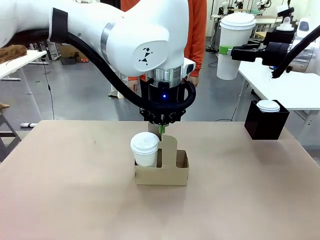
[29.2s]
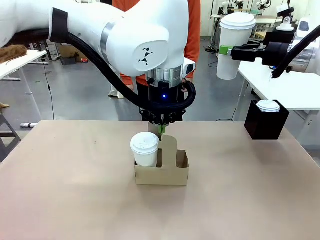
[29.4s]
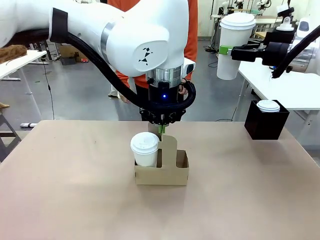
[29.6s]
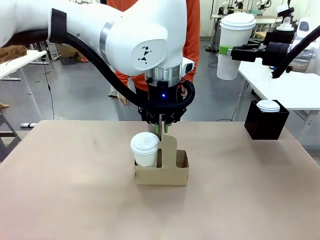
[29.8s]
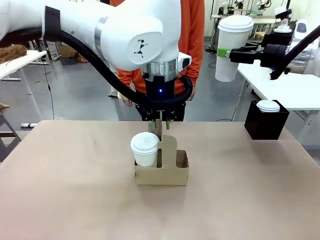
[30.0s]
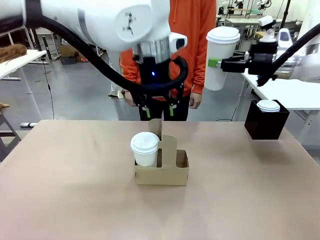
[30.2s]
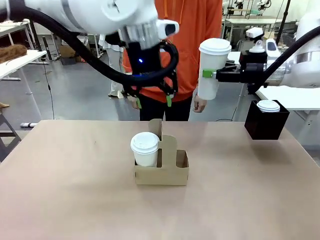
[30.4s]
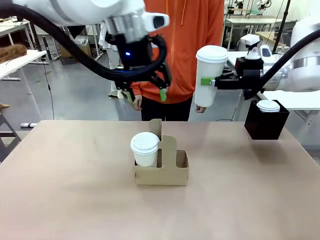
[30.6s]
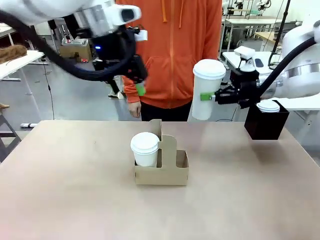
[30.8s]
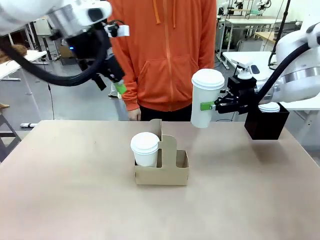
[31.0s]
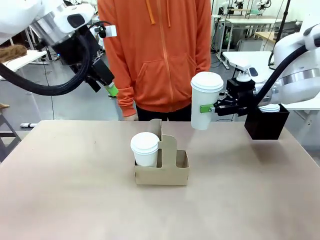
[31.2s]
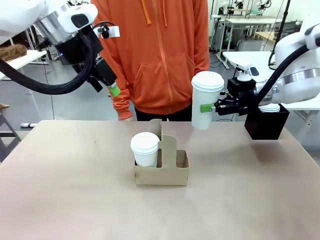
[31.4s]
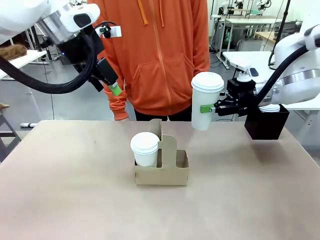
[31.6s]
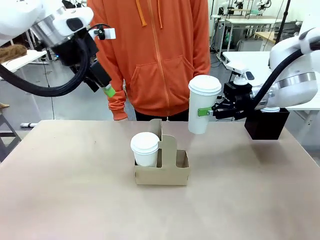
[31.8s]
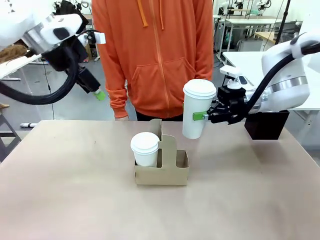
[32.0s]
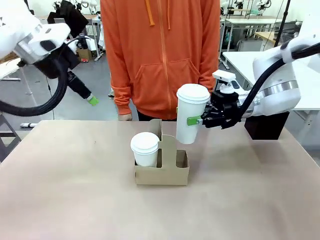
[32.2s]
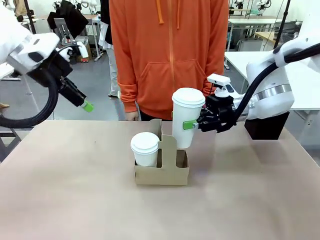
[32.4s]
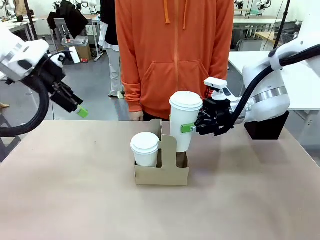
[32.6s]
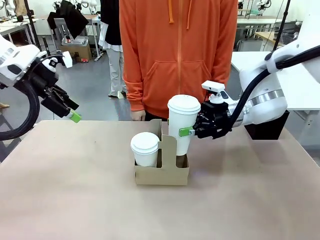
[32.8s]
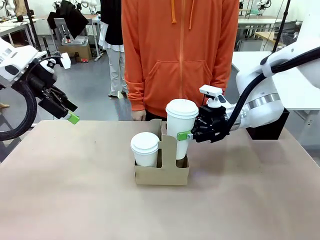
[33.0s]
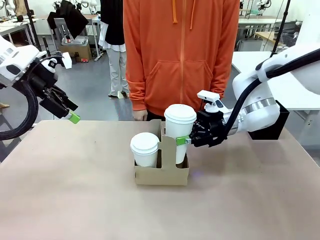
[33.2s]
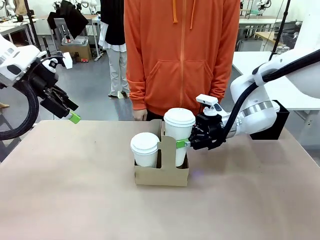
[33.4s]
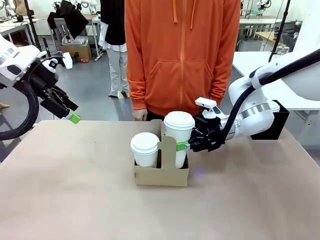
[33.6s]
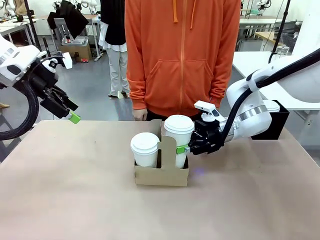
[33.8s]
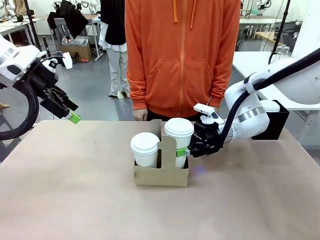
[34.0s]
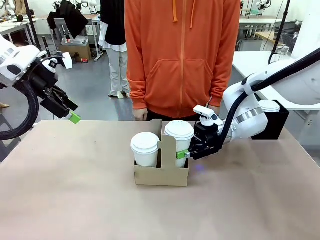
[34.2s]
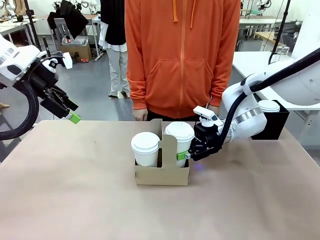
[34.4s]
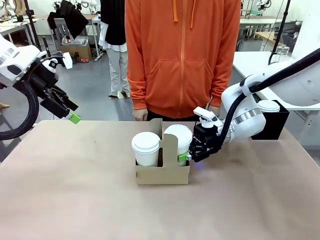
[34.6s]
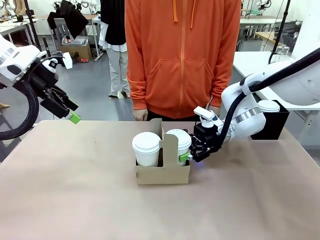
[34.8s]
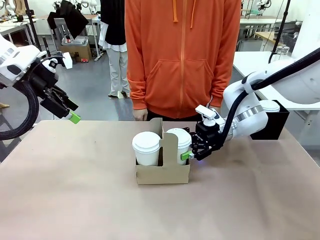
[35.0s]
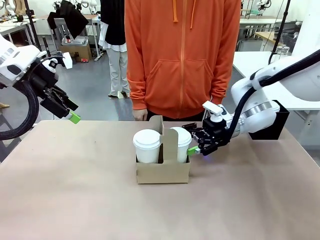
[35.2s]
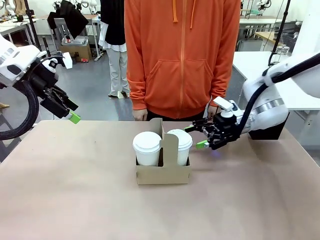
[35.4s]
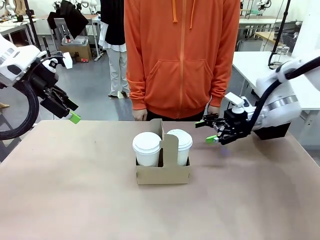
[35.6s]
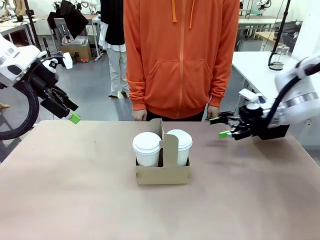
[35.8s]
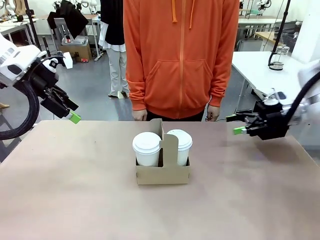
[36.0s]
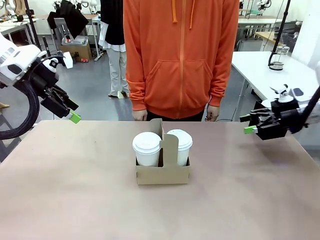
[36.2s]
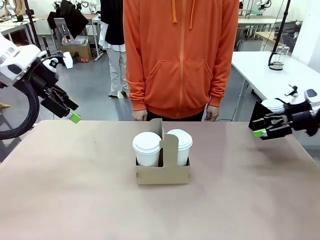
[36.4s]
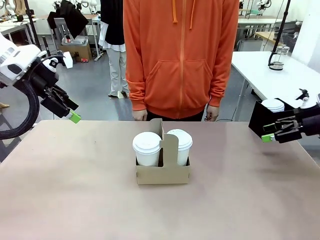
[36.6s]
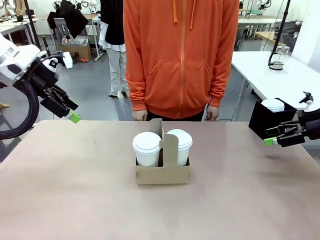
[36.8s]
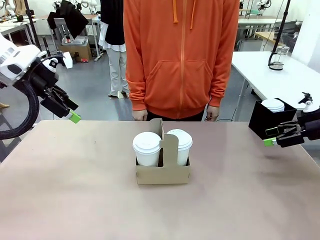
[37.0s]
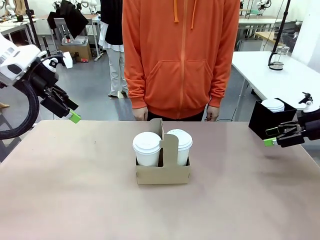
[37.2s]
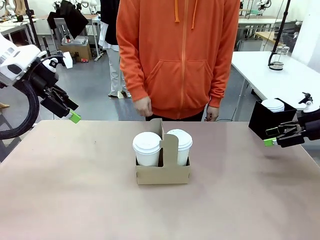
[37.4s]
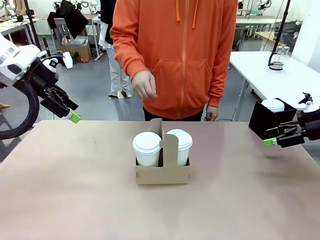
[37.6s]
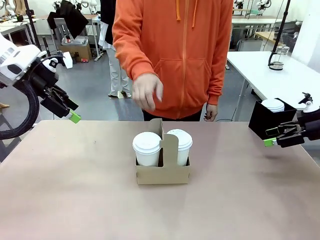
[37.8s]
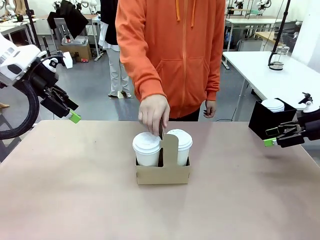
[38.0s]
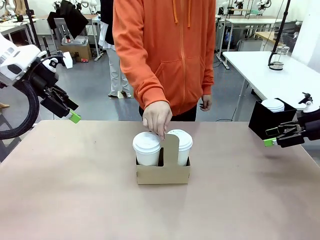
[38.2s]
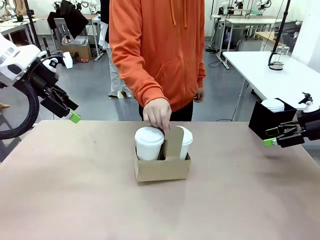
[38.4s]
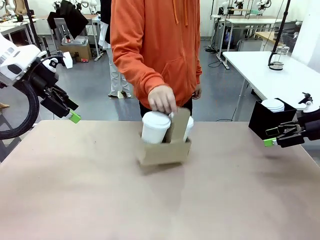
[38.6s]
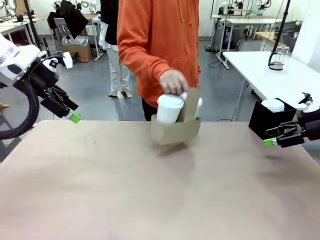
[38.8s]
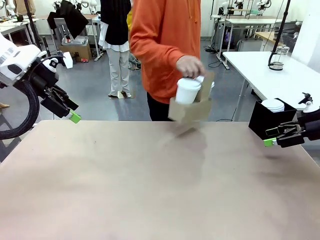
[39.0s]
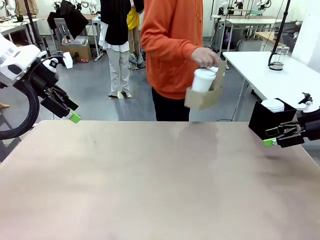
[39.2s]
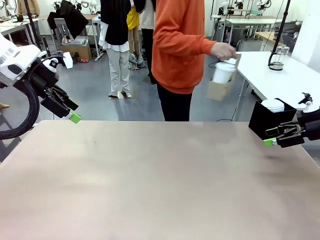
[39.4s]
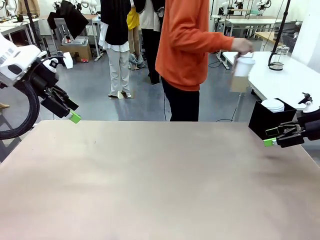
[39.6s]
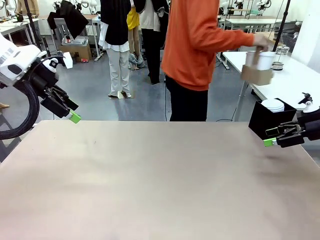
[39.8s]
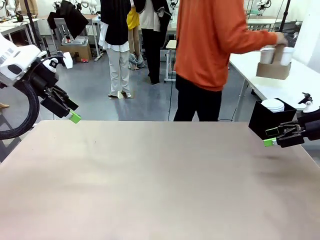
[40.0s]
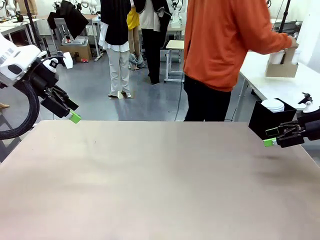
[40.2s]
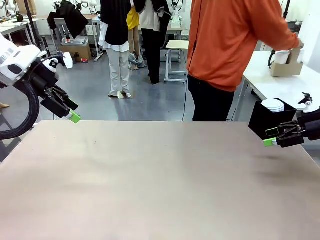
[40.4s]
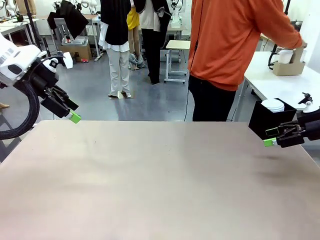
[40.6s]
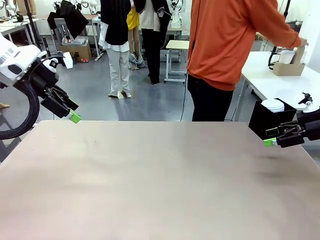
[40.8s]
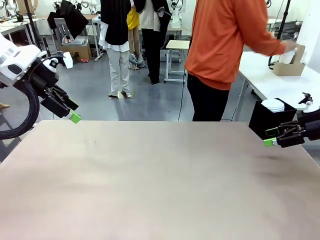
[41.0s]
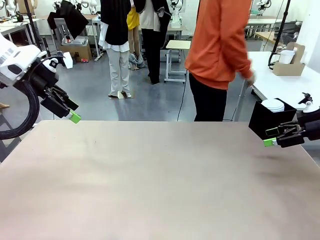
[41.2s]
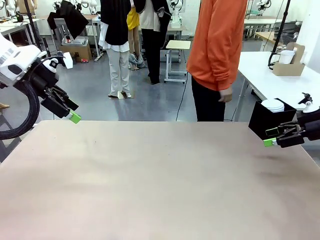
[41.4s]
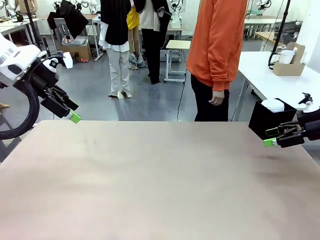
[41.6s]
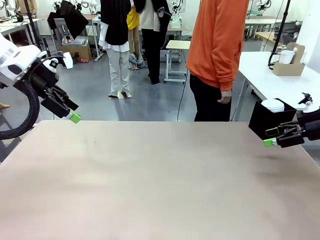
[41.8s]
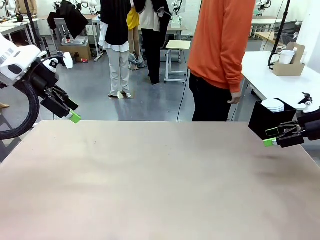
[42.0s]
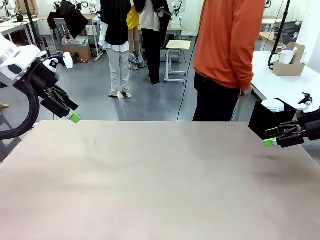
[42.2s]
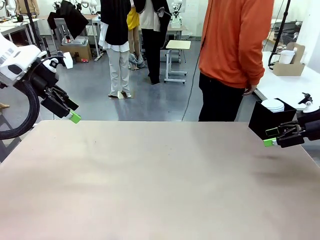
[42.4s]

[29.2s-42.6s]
Task: Pour a drink into a cup and package it in a carrier.
Robot: Insert the held 600 ml Paper Cup into the Cup Carrier.
Person: Place the Cup Carrier to the middle of Human table.
